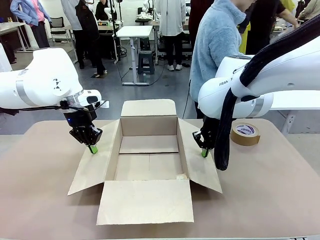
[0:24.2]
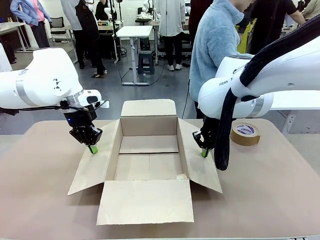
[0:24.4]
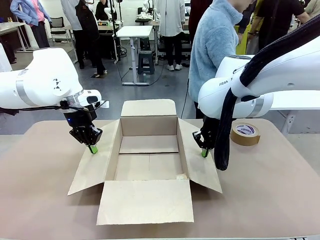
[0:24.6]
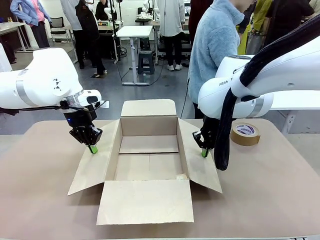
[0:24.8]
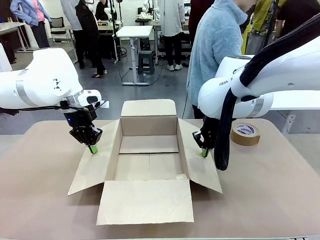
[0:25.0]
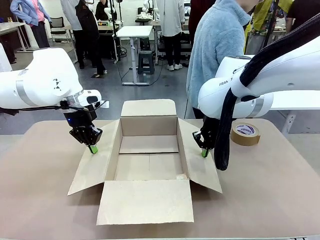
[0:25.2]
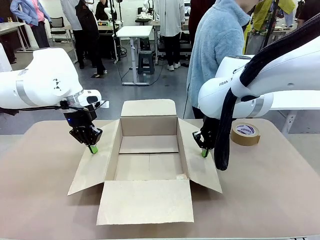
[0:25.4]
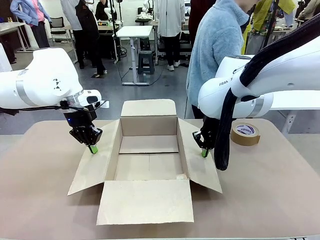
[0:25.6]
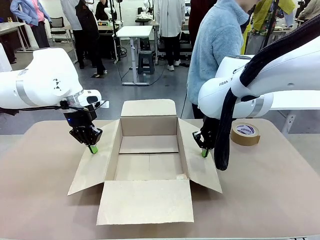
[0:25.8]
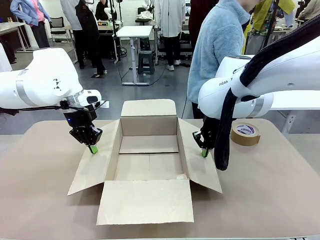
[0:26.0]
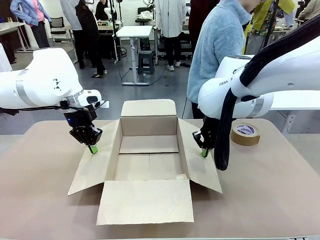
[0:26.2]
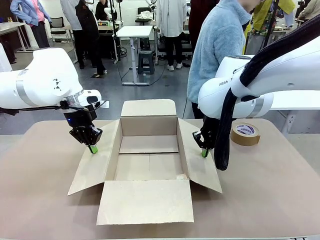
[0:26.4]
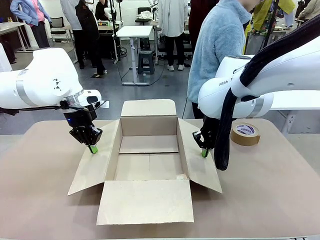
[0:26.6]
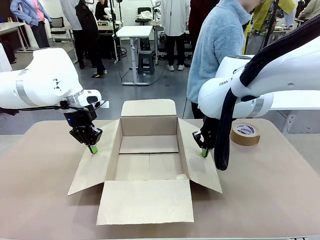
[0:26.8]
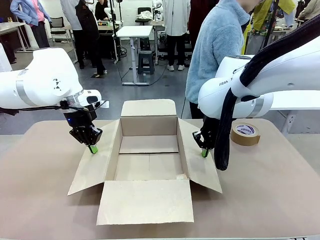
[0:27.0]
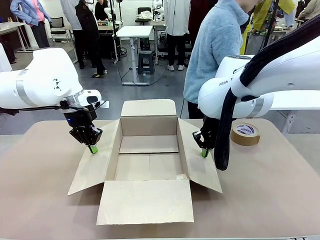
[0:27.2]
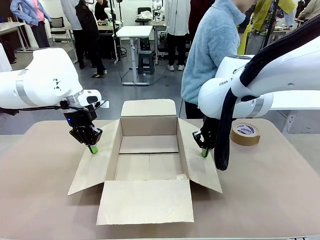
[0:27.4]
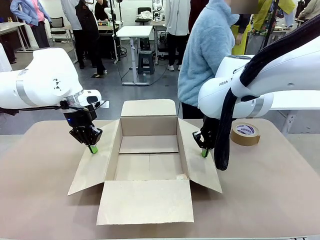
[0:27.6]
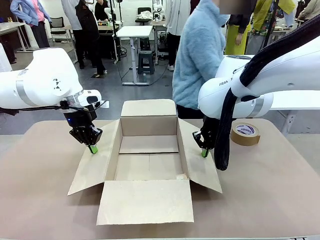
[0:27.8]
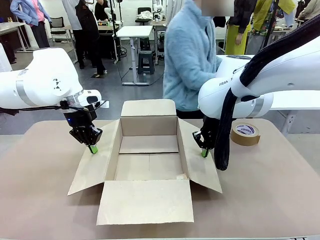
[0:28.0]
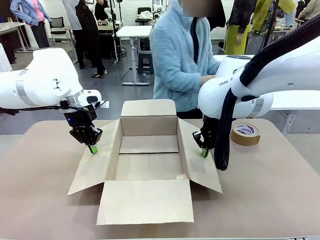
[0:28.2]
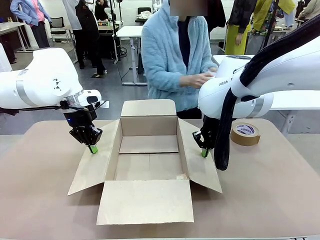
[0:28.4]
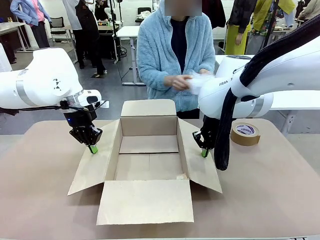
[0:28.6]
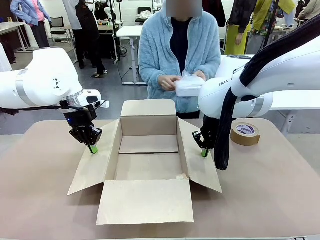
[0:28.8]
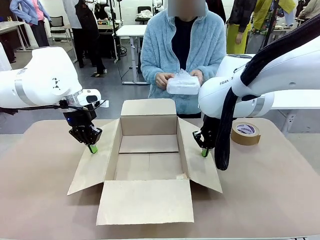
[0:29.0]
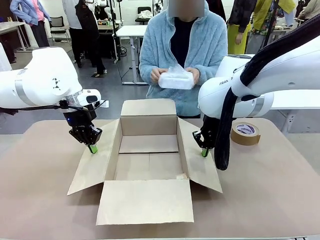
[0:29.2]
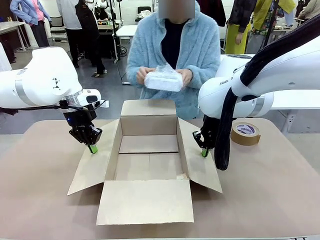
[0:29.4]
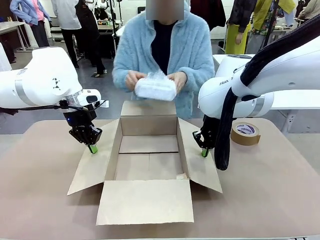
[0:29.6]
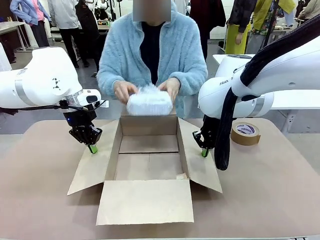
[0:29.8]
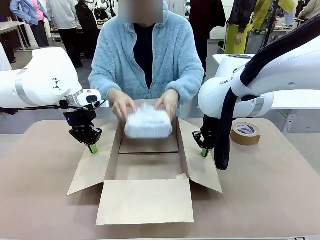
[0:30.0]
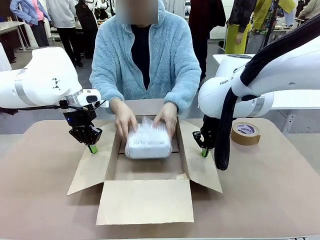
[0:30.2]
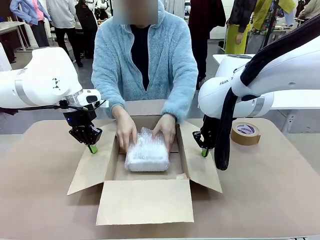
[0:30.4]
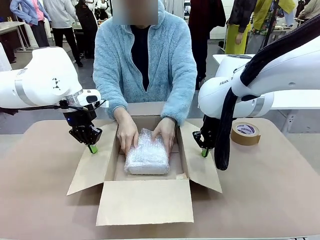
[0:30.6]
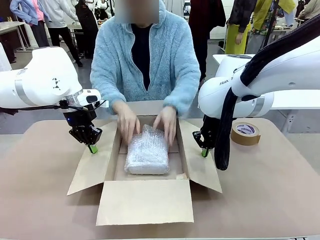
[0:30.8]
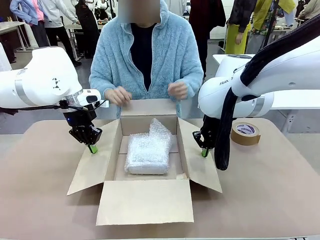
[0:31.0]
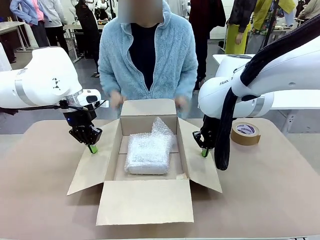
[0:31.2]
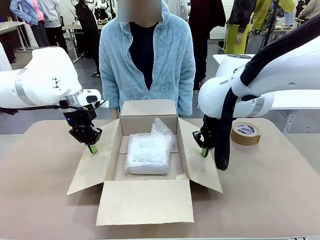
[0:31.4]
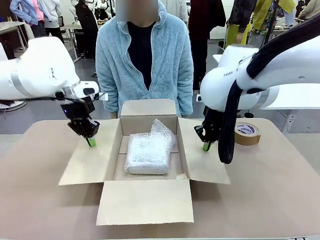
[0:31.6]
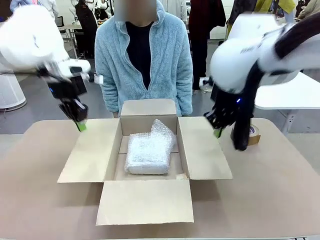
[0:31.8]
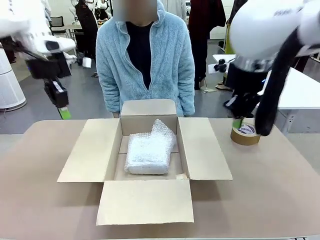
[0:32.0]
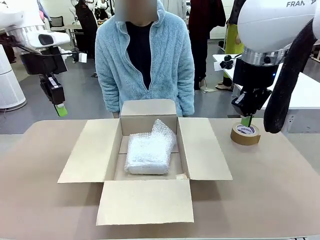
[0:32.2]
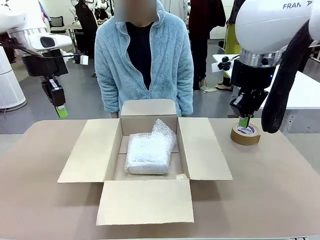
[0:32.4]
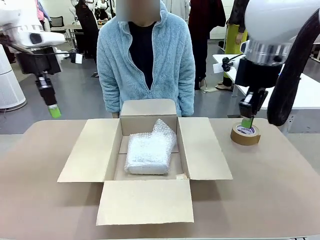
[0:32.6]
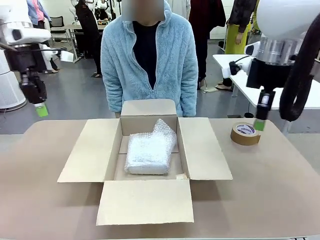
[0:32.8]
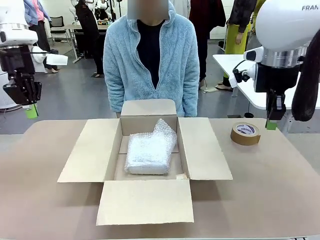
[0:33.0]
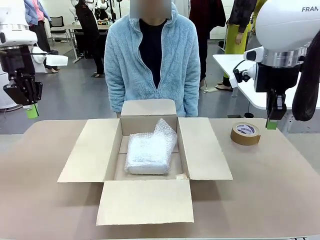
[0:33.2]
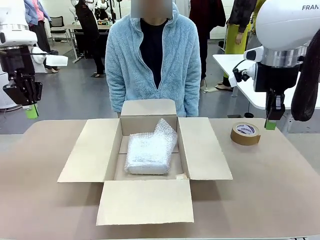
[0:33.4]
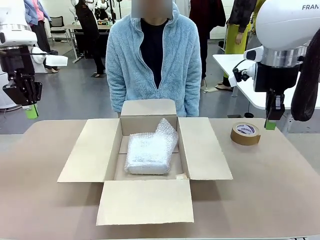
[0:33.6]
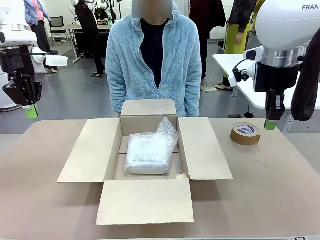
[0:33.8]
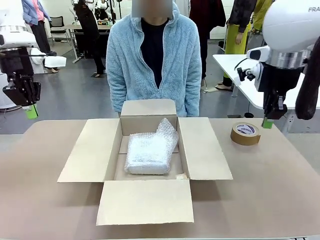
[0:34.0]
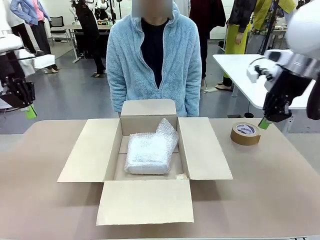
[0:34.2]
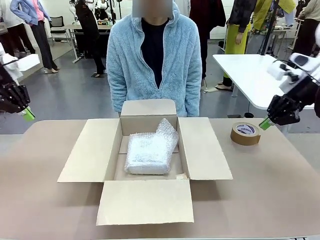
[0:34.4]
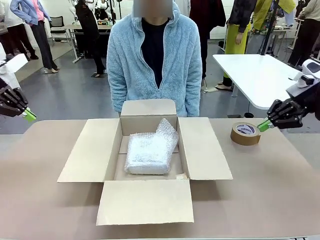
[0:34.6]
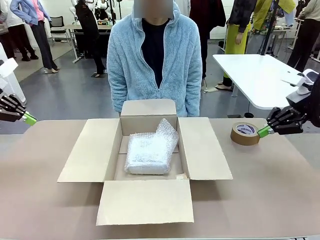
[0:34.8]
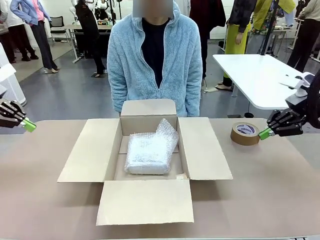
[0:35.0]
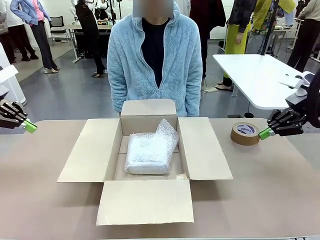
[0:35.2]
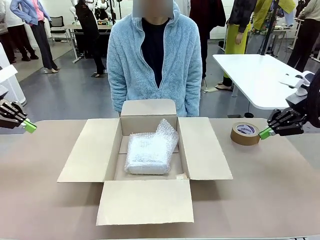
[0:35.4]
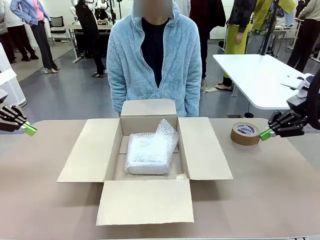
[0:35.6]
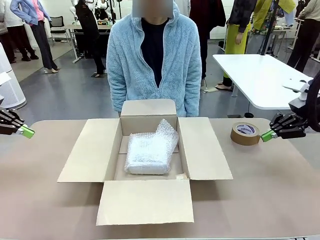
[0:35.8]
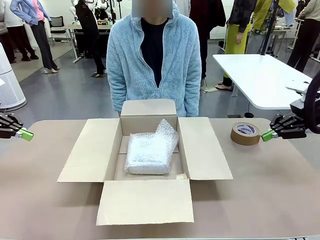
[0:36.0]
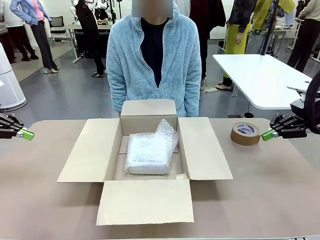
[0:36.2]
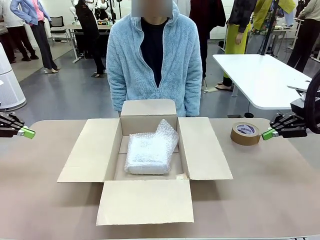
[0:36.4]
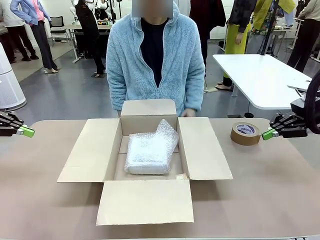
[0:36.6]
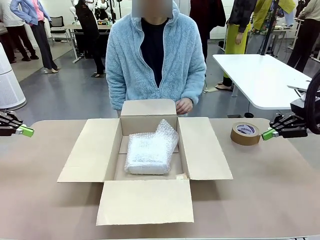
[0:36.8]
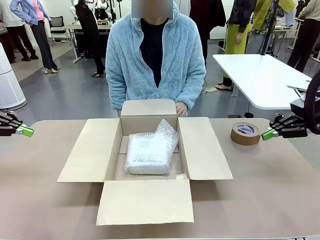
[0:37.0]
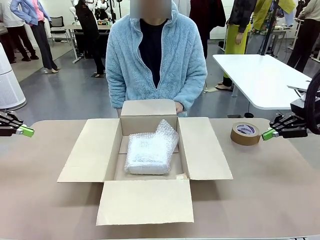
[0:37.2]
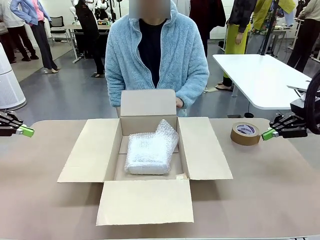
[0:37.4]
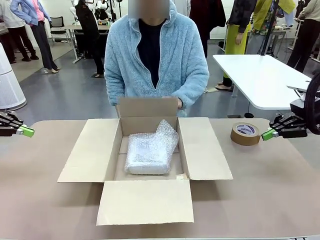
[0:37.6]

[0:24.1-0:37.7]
Task: Wrap the clocks to prevent damage.
Robot: Once the human has placed the objects inside and stepped back, release both hands from the side flaps of the Package Box.
Person: Place the wrapped Digital clocks inside the Package Box. Hold the top and bottom flaps of the Package Box closed with your left (or right) hand.

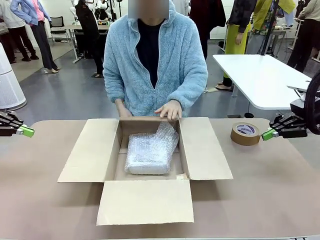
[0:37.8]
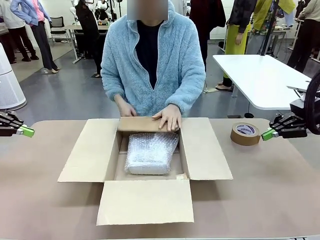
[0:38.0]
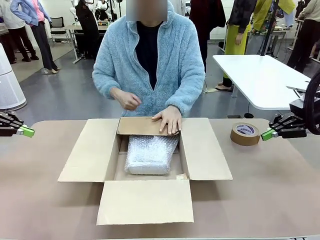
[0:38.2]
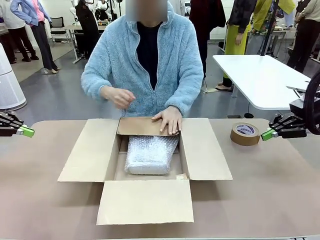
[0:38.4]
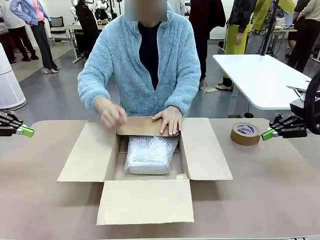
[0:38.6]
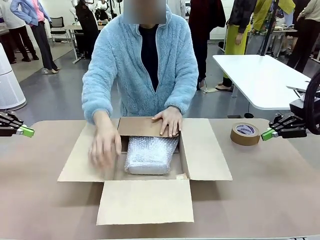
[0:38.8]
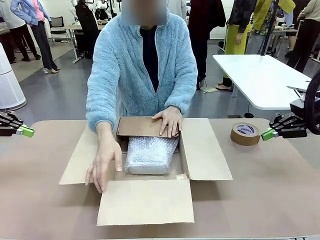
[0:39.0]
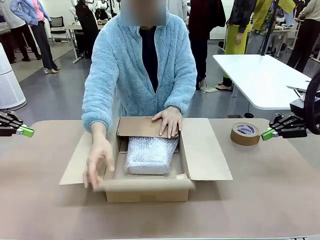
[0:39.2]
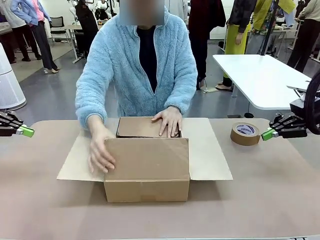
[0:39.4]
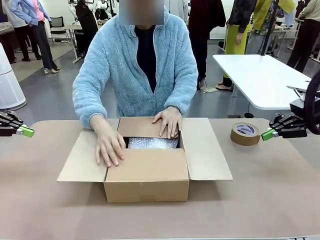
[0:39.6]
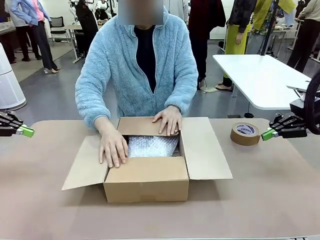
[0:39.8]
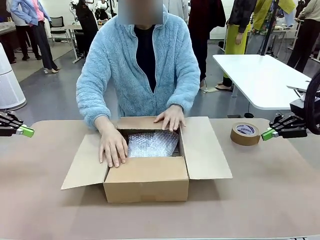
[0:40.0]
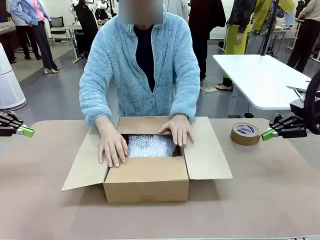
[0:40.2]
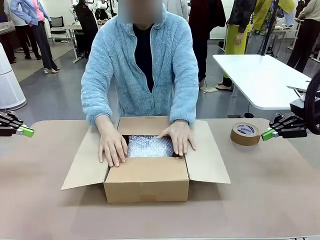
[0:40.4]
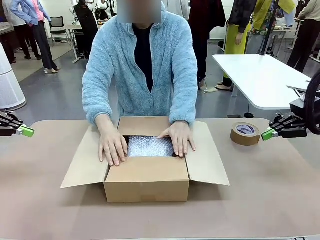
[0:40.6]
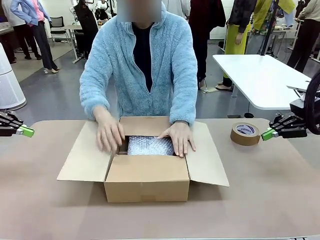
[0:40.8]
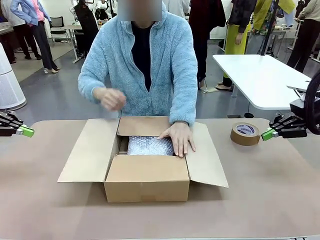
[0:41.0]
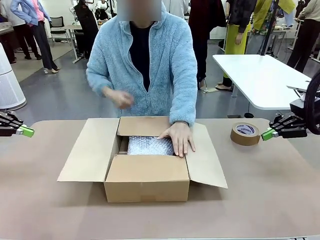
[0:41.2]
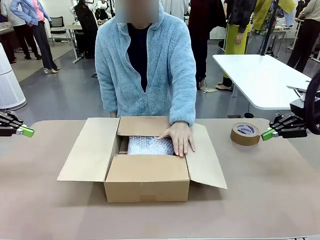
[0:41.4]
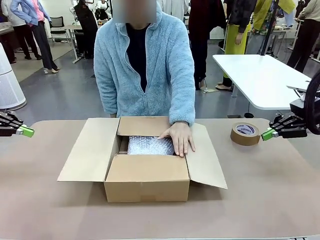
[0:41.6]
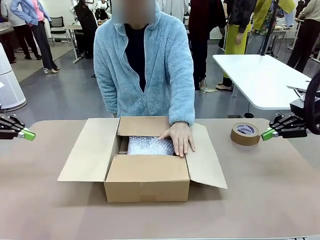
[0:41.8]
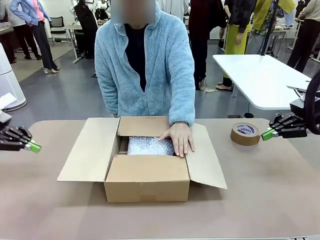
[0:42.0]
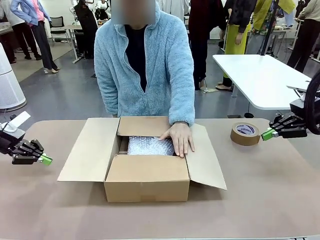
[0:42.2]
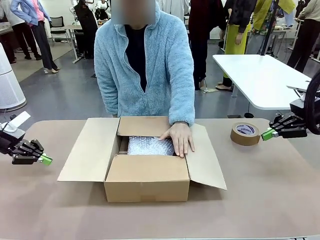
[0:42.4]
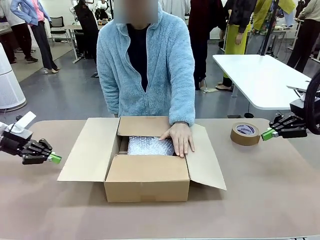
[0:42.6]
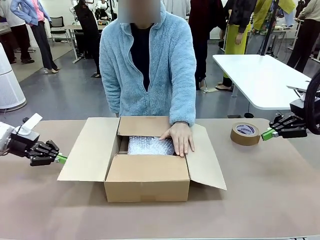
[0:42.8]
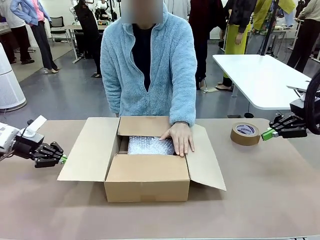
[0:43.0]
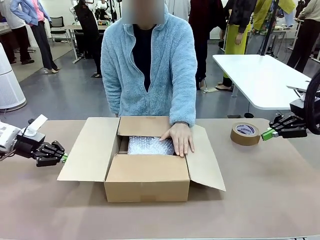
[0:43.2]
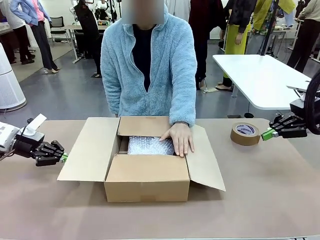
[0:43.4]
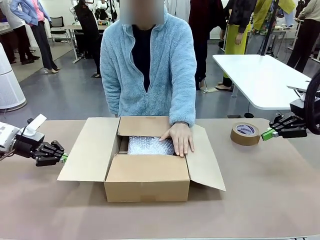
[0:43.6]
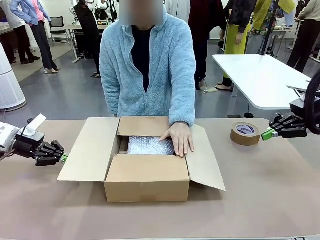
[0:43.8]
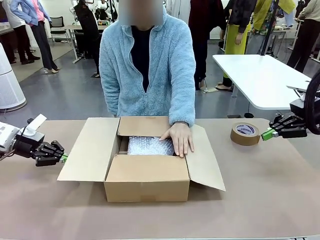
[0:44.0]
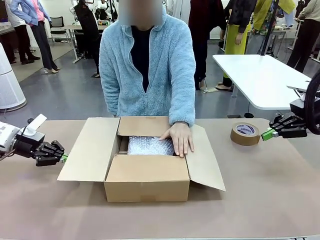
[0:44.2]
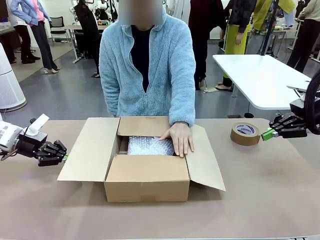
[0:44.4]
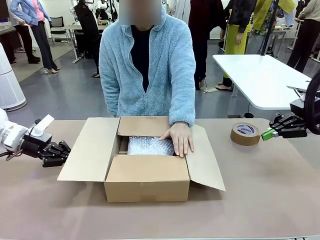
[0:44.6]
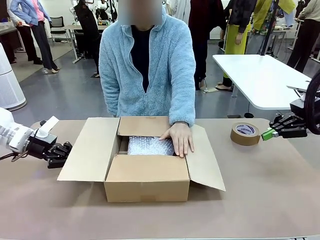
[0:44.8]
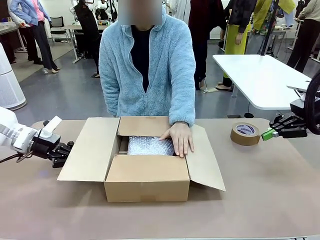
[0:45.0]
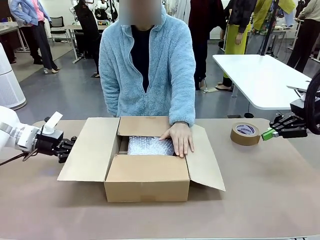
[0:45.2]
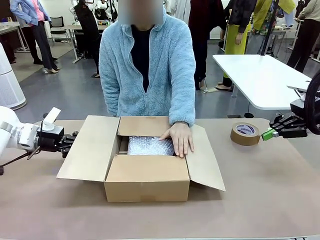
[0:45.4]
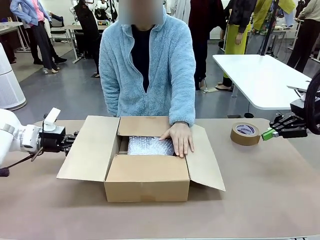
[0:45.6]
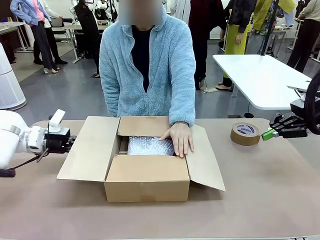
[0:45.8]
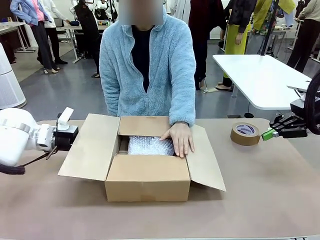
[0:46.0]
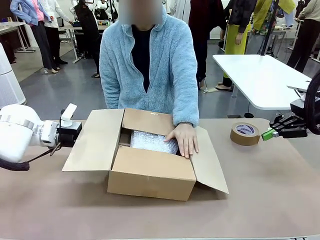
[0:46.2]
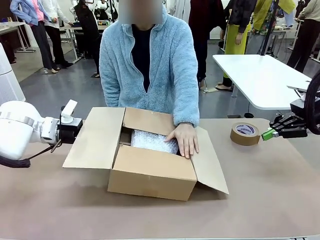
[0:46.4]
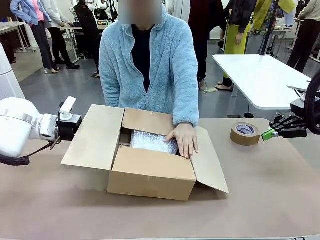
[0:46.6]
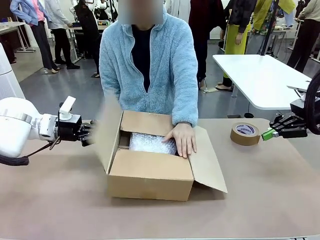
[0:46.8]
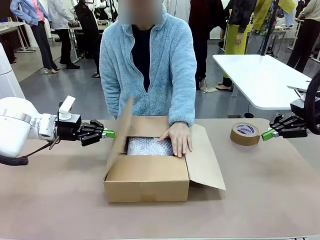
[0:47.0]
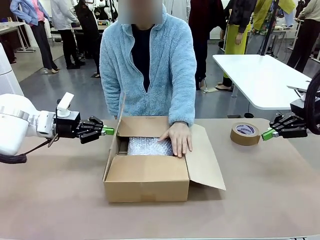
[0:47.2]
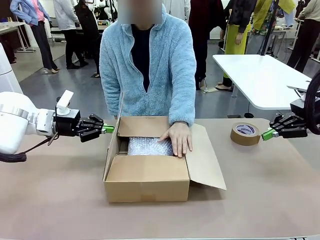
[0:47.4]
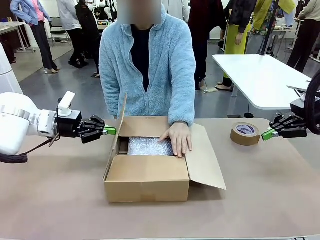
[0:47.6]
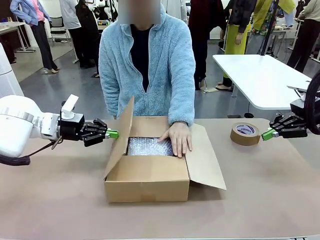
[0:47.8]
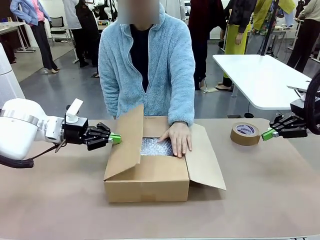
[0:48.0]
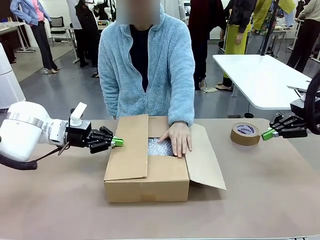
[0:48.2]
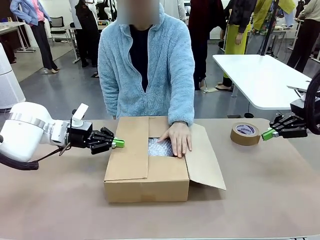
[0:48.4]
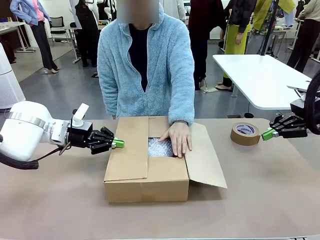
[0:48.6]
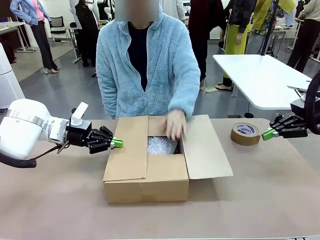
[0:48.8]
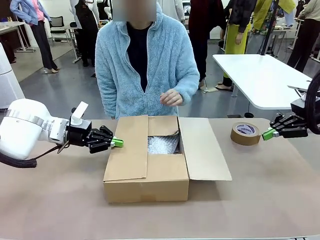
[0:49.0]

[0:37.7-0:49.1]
Robot: Push the right (or left) flap of the Package Box to close it.
Person: Once the robot closes the right flap of the Package Box , release your left hand from the box.
